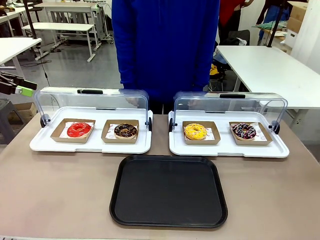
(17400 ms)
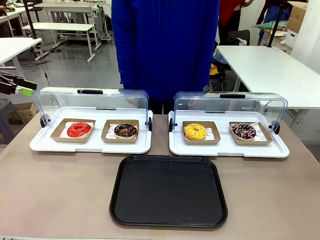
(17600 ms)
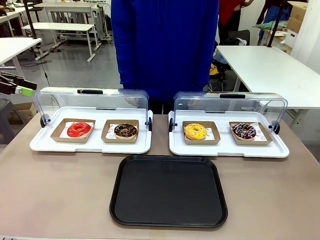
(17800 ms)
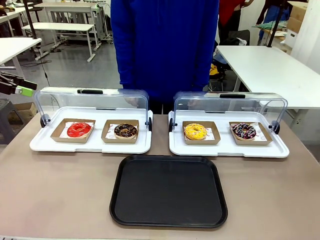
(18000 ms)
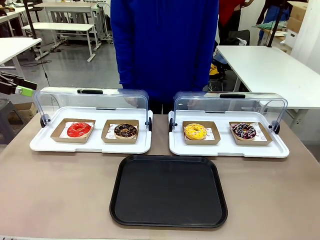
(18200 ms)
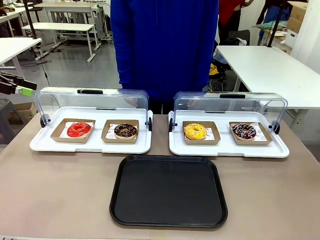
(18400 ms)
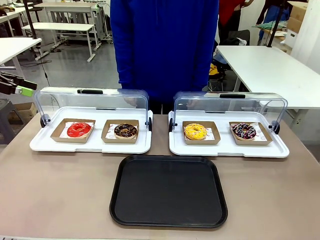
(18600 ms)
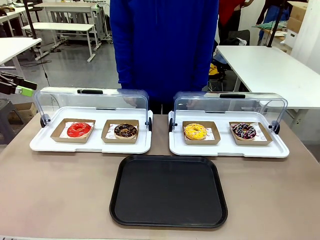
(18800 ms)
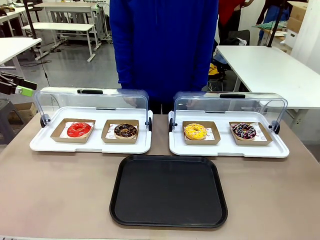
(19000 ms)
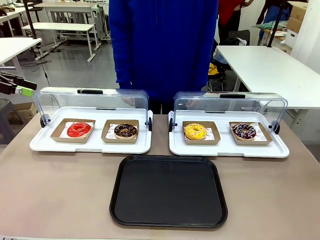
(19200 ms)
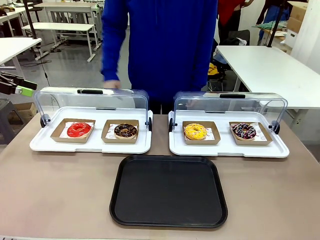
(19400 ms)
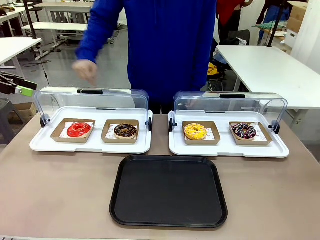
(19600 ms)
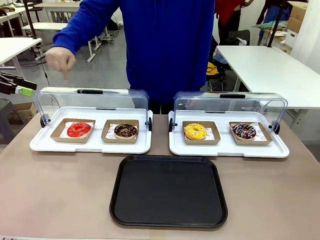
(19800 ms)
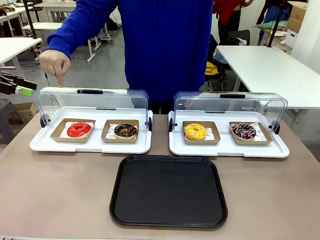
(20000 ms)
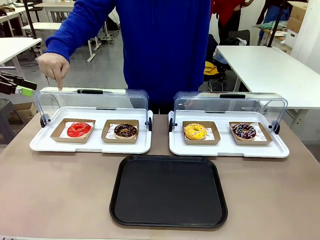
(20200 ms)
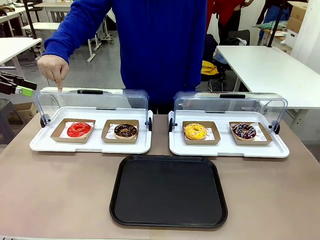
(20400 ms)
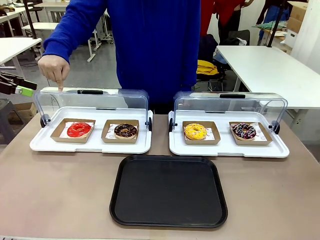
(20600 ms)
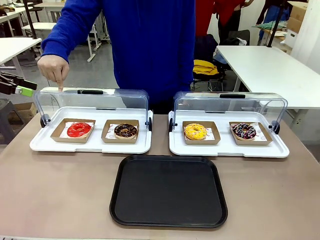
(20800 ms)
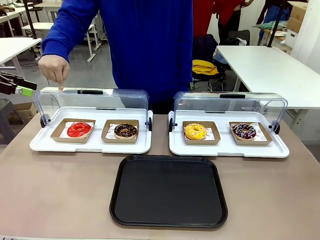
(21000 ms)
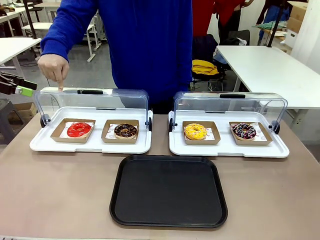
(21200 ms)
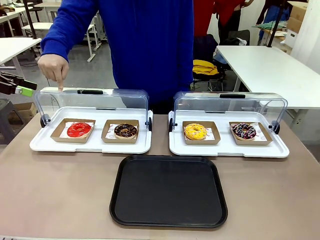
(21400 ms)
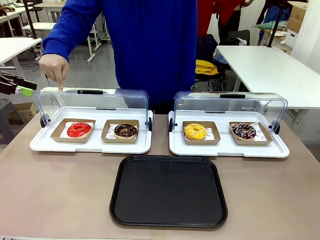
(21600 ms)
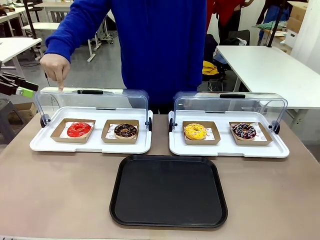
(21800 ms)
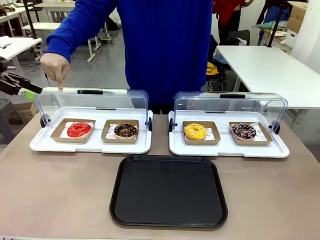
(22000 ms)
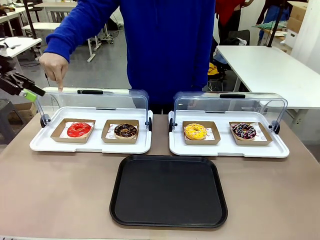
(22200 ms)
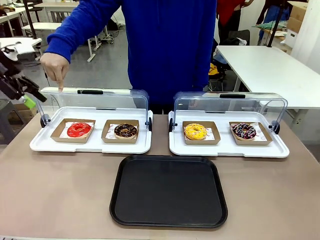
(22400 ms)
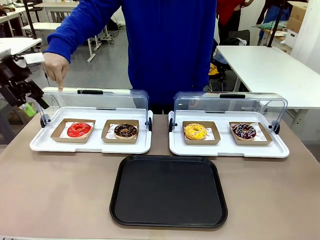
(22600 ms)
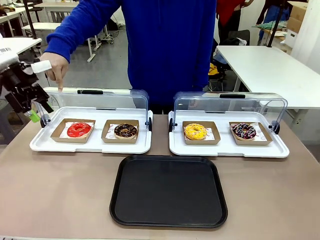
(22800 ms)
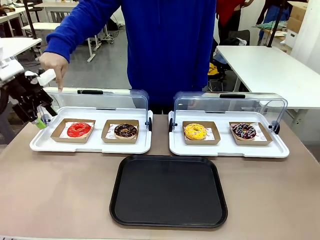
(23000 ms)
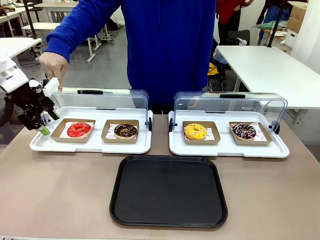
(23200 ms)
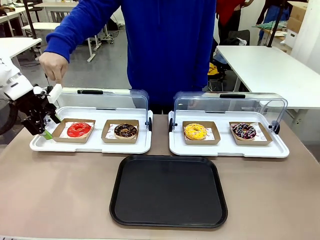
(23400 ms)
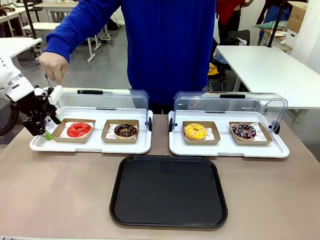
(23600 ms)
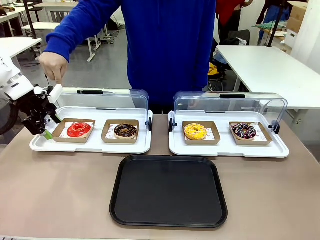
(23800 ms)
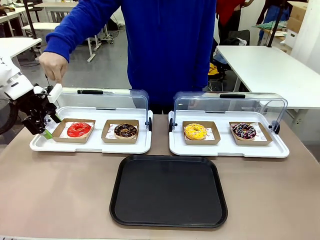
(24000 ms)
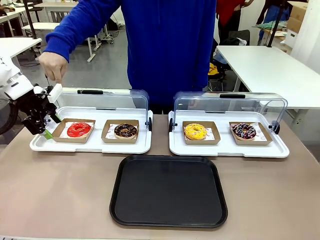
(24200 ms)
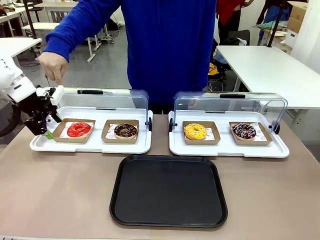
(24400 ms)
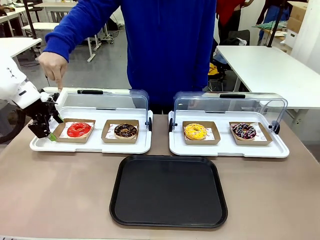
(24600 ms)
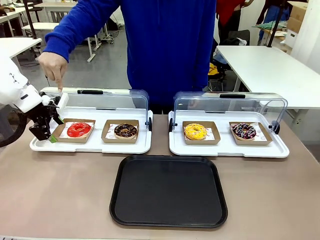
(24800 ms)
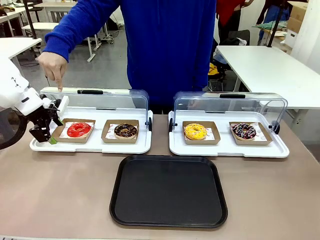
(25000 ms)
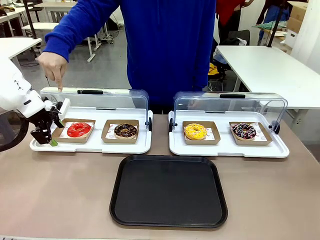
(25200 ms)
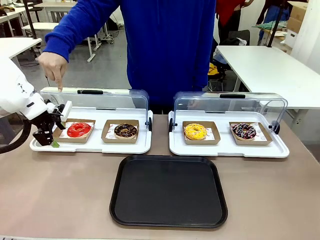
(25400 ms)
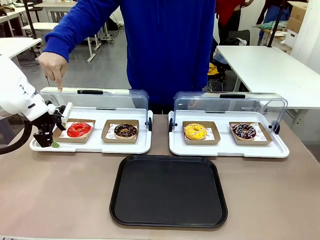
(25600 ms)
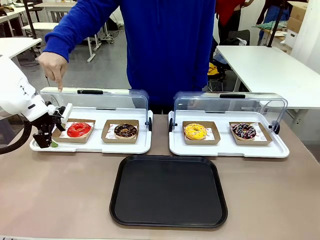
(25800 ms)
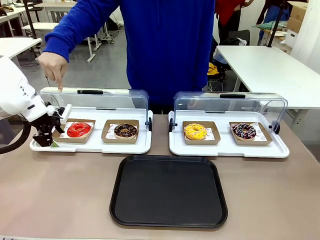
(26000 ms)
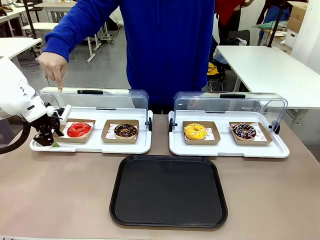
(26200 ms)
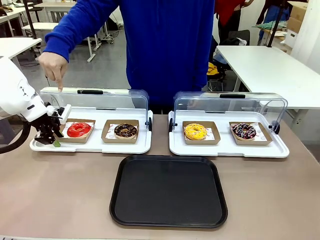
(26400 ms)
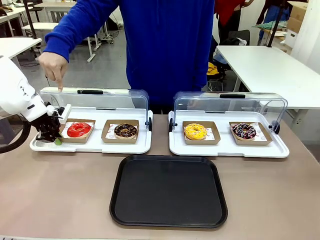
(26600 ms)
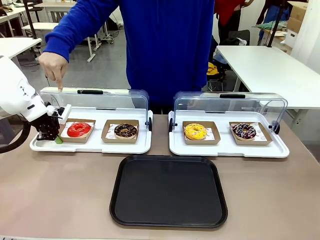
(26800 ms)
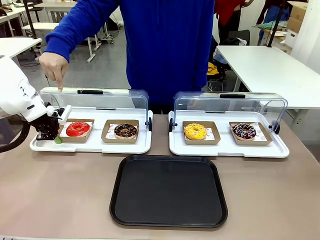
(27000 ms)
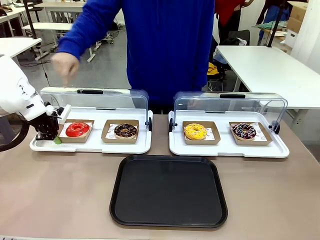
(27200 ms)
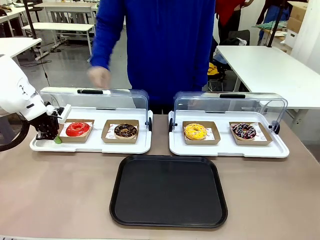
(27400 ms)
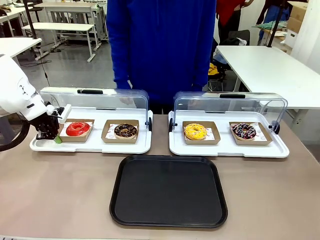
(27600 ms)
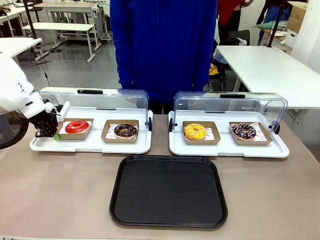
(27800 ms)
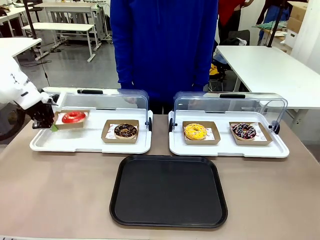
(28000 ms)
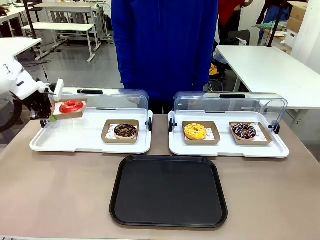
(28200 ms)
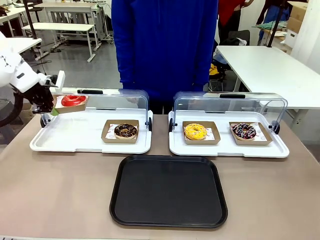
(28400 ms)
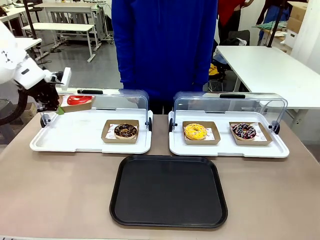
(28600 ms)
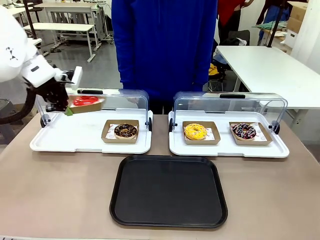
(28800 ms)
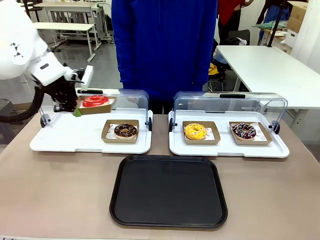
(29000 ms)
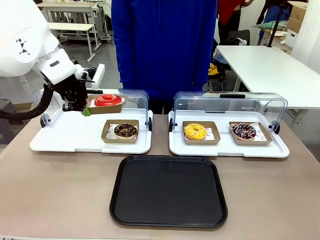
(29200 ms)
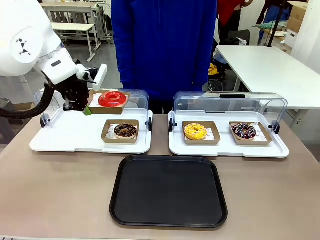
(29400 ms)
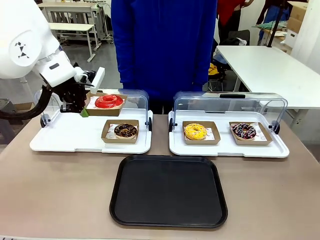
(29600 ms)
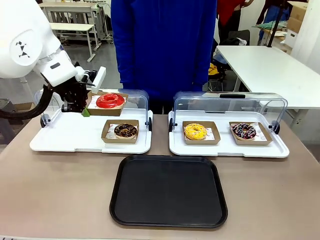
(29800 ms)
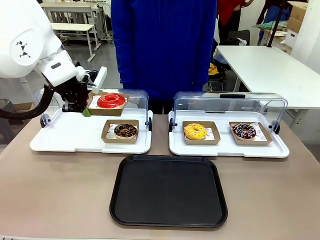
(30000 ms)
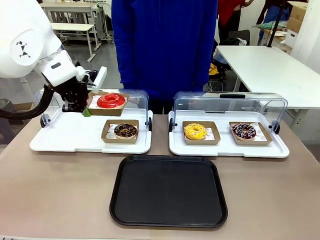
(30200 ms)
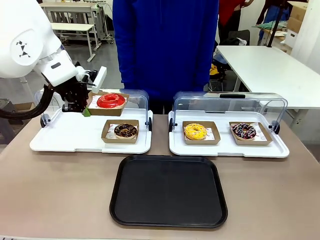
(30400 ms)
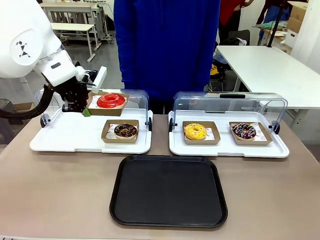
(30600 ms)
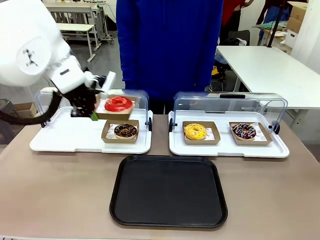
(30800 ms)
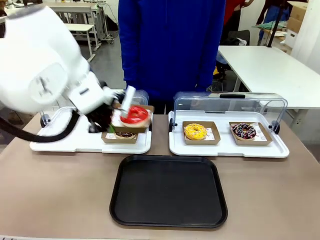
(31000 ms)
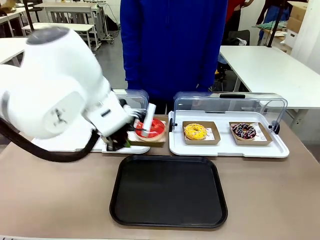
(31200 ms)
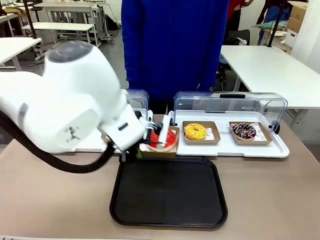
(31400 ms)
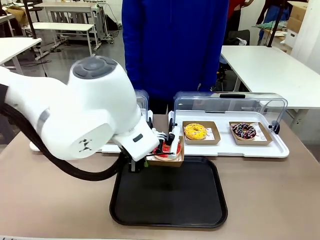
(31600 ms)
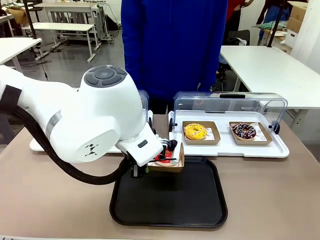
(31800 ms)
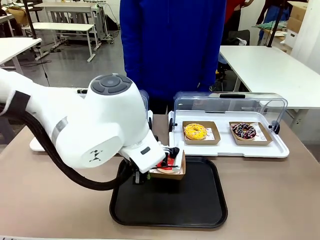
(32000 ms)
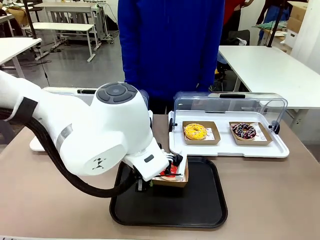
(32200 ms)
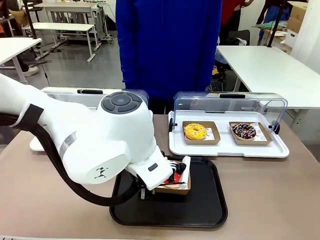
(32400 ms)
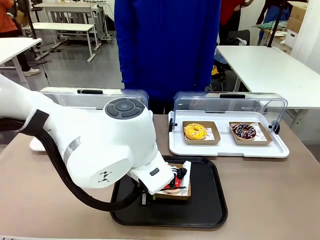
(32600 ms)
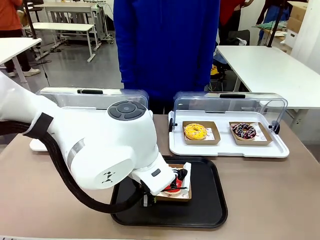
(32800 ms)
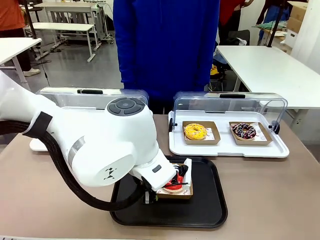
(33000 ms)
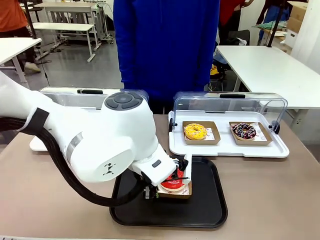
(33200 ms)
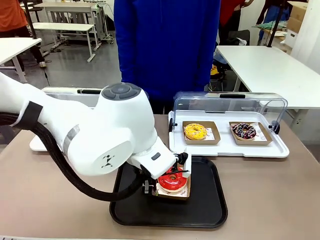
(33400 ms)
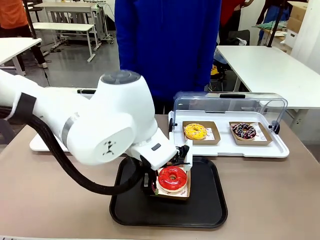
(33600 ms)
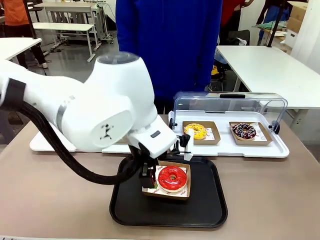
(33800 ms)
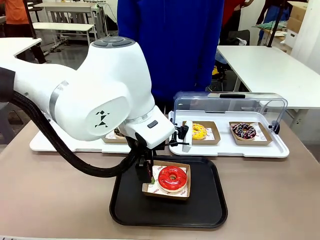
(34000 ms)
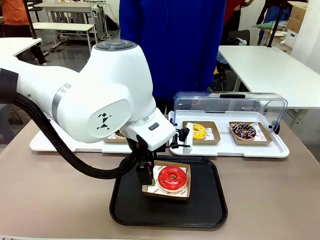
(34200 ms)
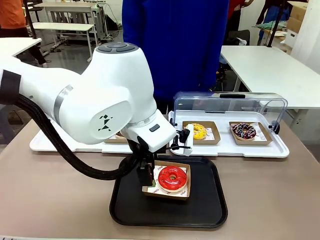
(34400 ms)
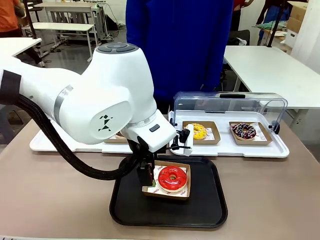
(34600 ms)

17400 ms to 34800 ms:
Task: Move the first donut from the left to the tray.
Robot: Pick up the Paper togo box containing the Donut indicated by the person and place it on the Handle tray.
